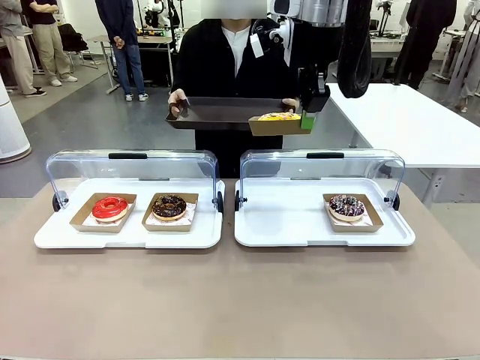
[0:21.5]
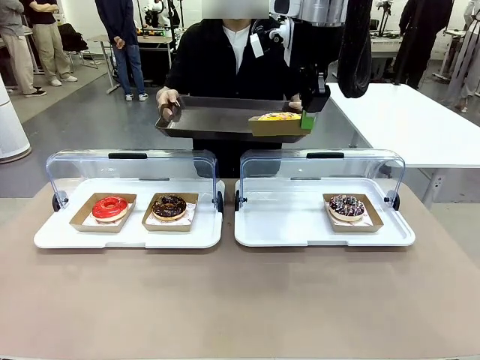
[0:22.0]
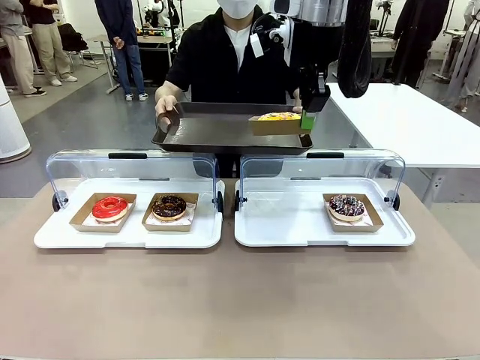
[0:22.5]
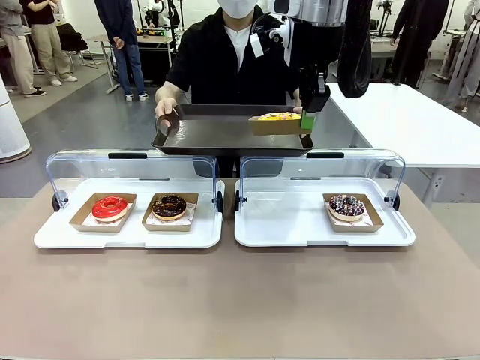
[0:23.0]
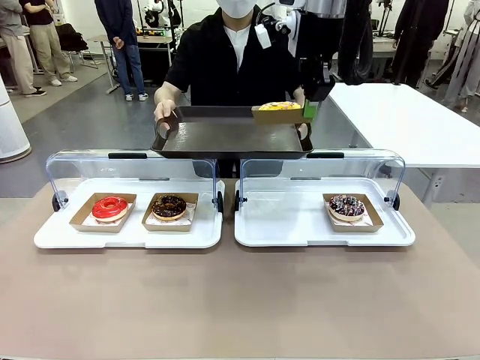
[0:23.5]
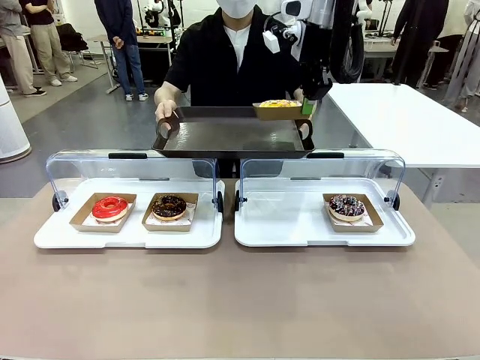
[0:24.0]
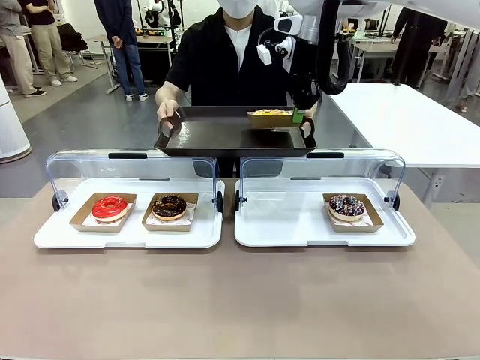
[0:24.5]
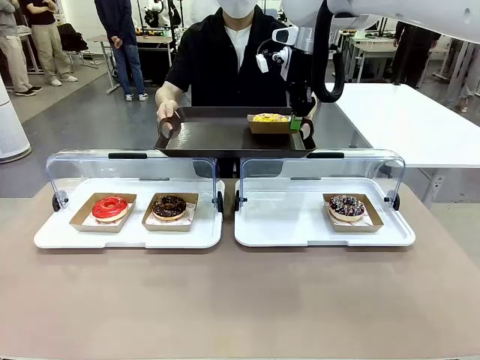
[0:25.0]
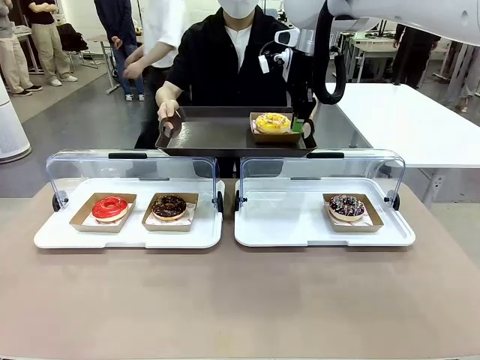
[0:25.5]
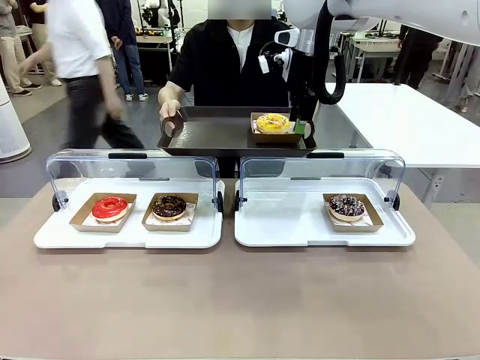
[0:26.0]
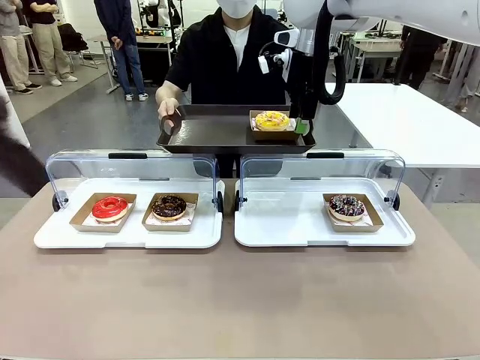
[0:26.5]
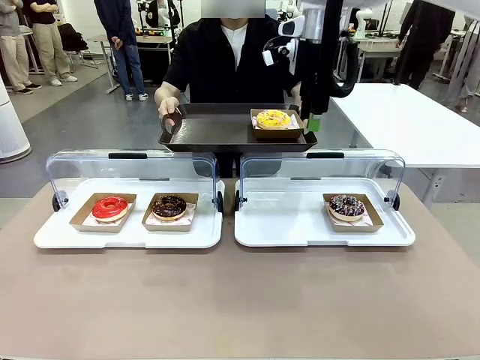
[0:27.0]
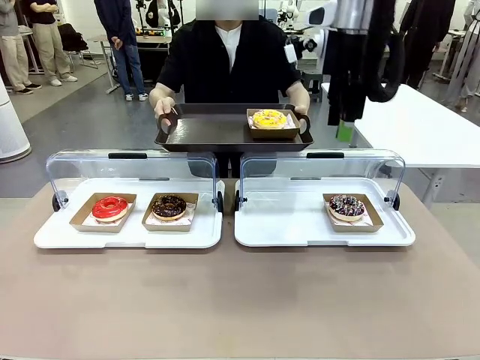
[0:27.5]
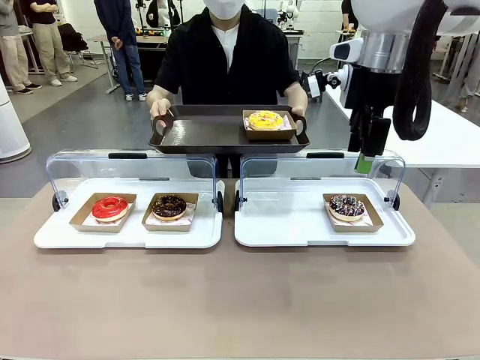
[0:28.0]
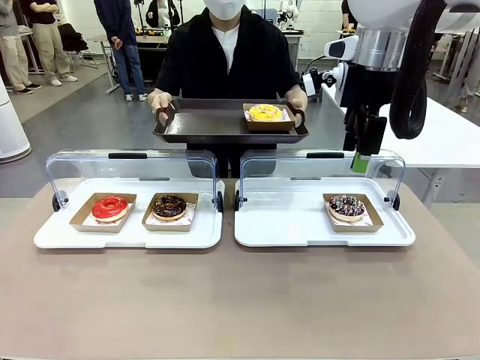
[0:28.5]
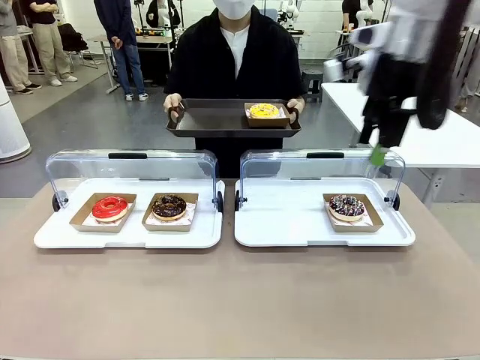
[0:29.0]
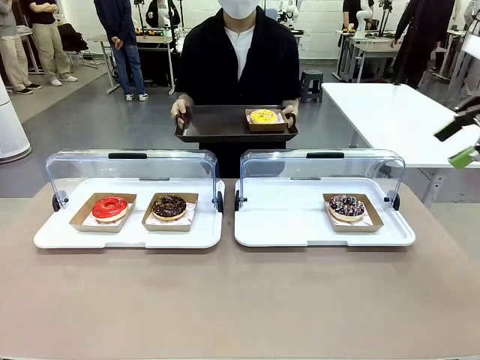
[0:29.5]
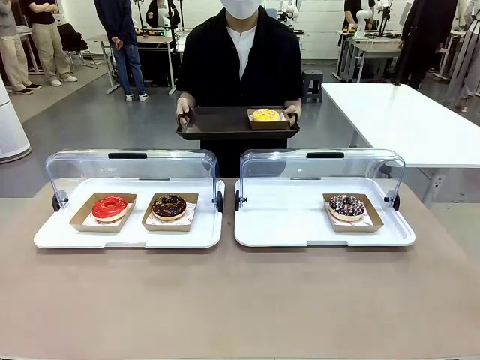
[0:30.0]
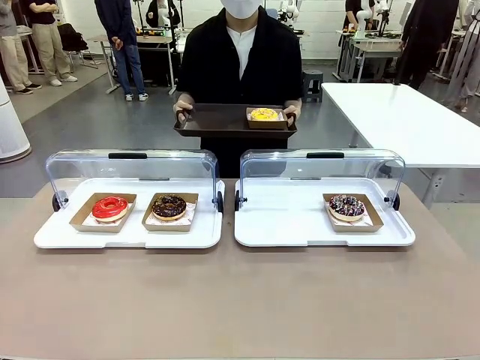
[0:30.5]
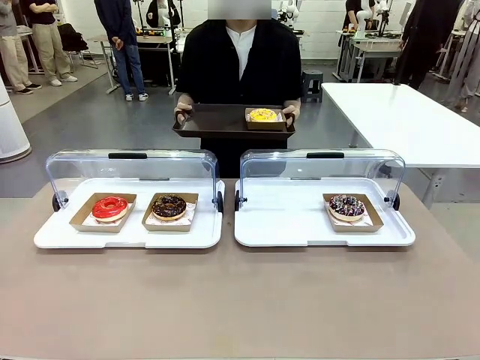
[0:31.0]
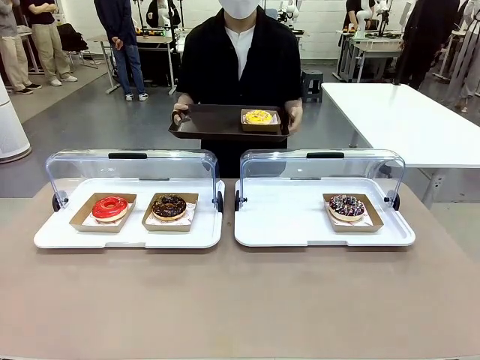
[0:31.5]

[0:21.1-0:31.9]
Task: Provide the desired donut to the person.
Robot: Place the picked Paper togo box onto the Handle tray extended by the person.
Person: Point to one donut.

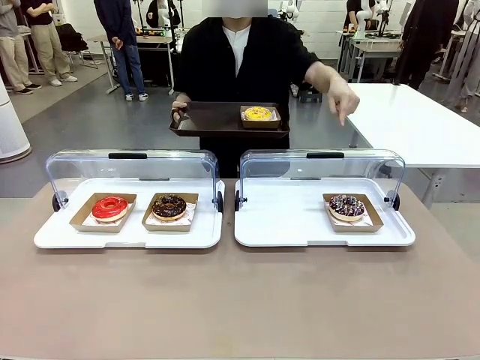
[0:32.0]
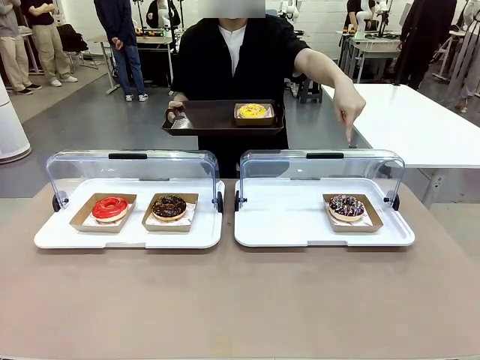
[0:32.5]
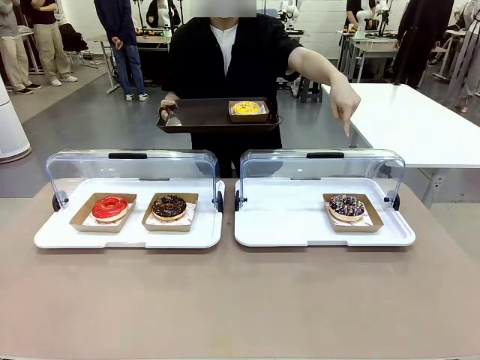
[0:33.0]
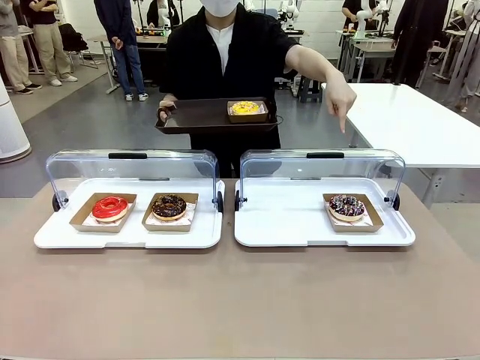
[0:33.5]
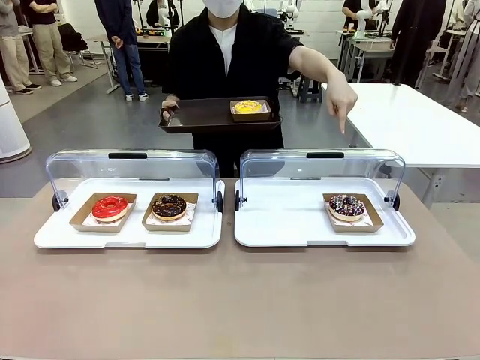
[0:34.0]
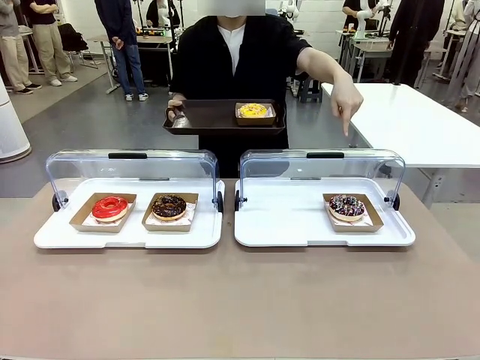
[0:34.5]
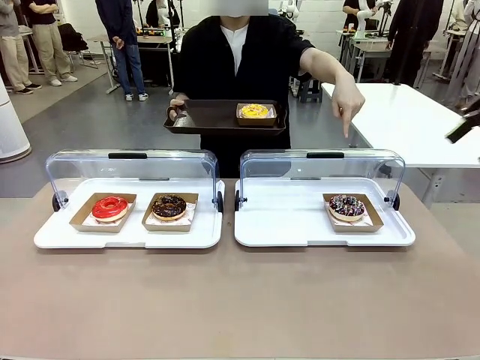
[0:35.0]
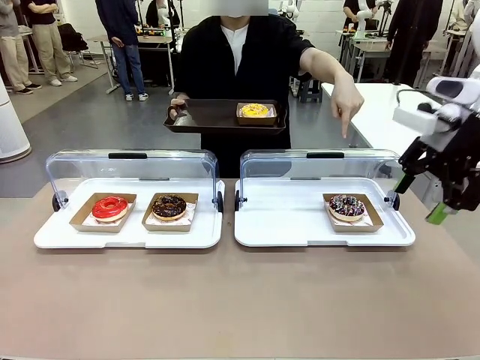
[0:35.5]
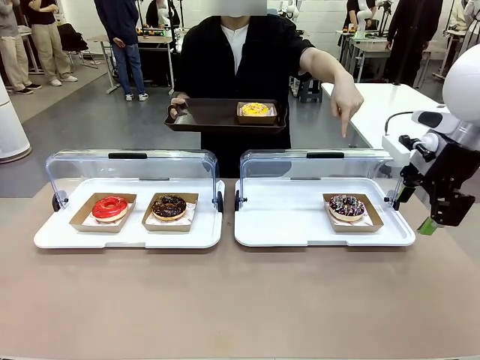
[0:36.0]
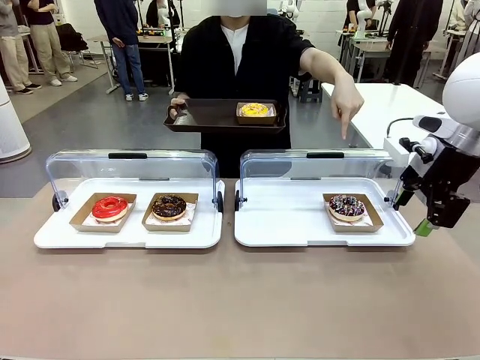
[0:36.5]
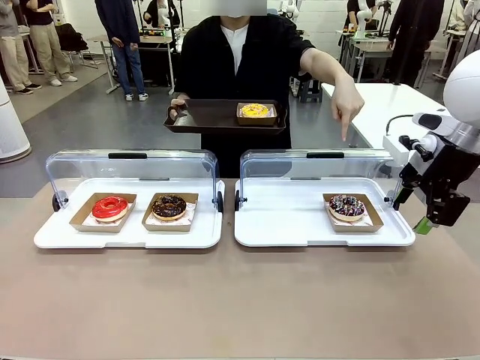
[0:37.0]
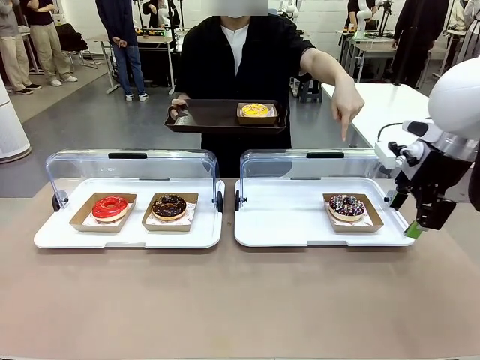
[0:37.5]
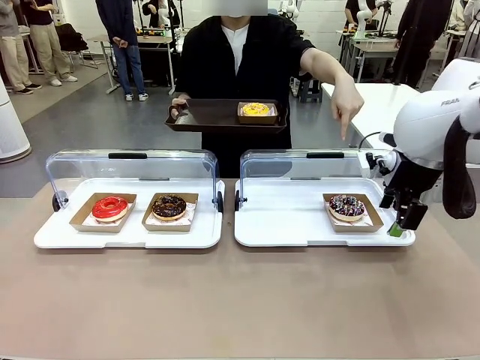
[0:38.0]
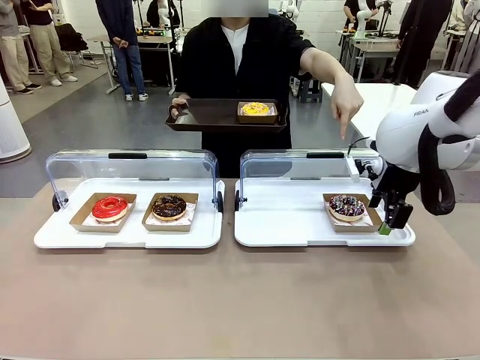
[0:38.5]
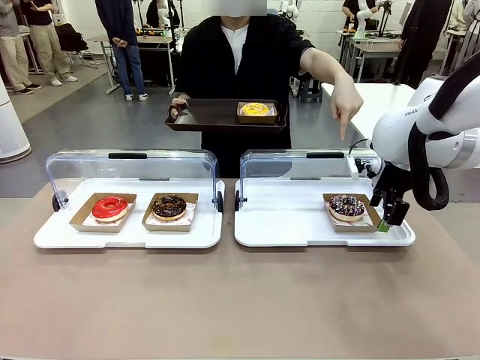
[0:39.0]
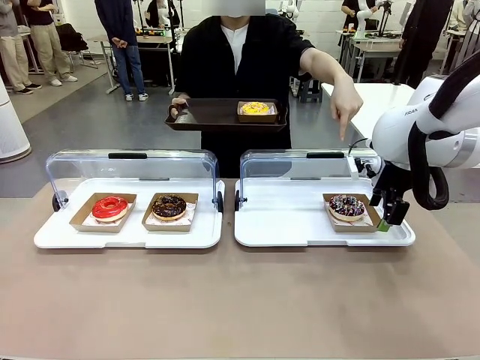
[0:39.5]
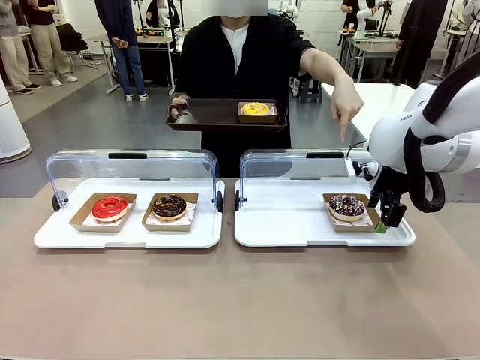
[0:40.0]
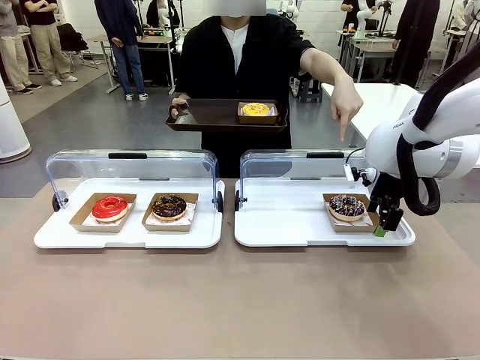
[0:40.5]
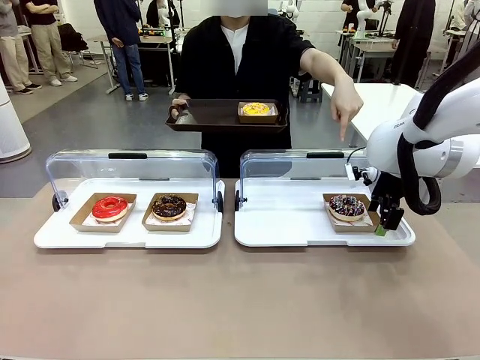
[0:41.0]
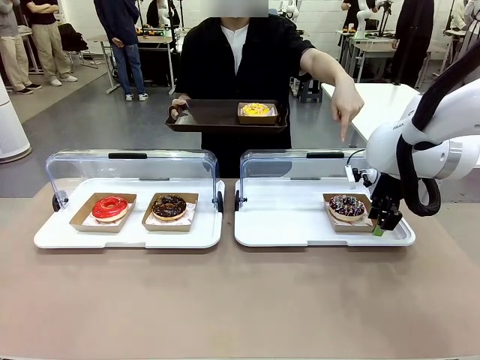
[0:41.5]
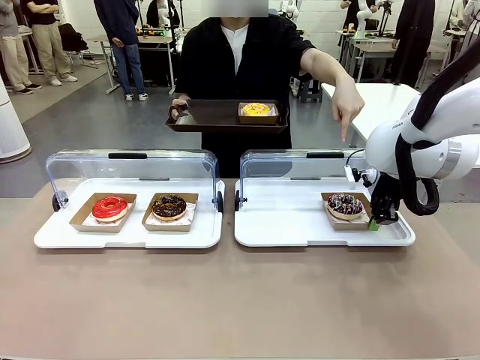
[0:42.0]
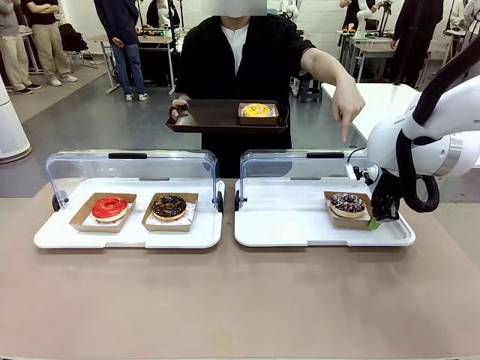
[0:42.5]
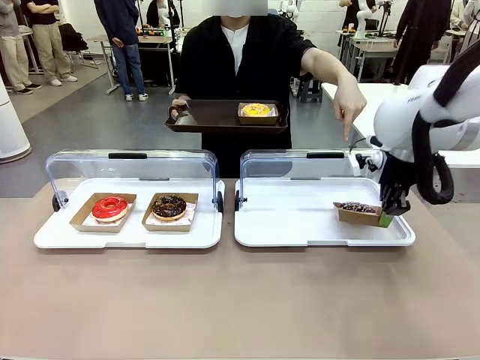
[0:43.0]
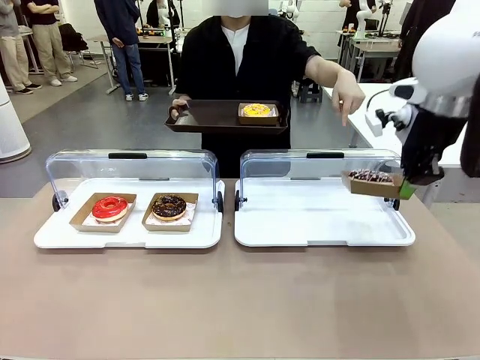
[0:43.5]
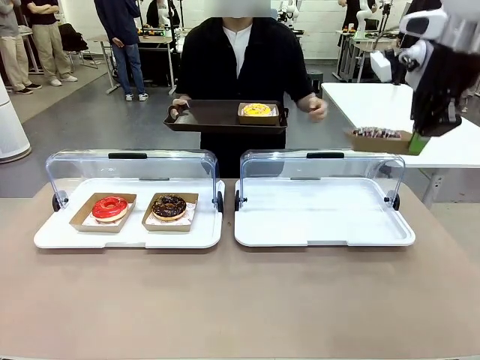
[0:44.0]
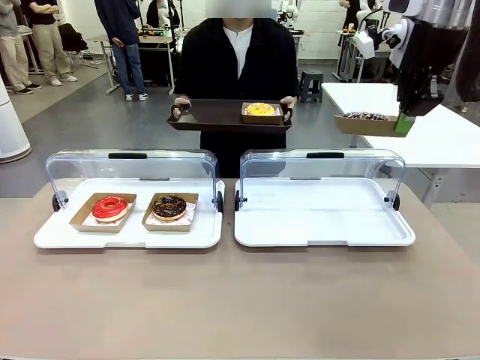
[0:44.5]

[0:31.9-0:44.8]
Robot: Pick up and lift the Paper togo box containing the Donut pointed at by the person.
Person: Lift the tray onto the Roll-Top Bakery Case.

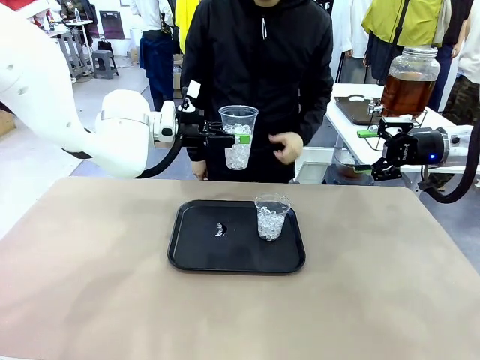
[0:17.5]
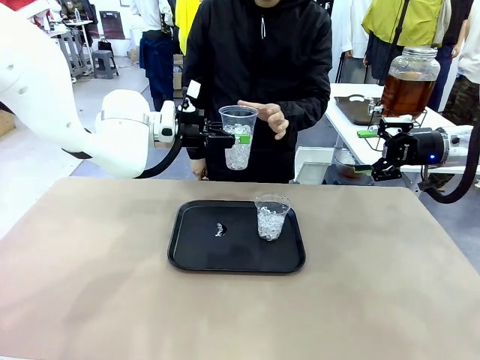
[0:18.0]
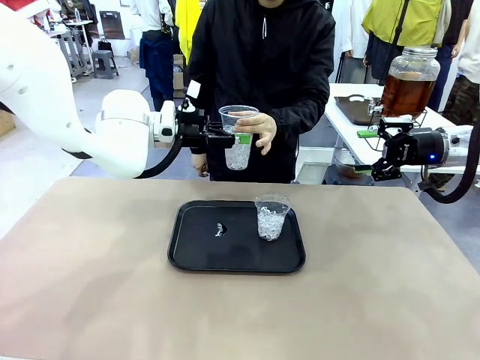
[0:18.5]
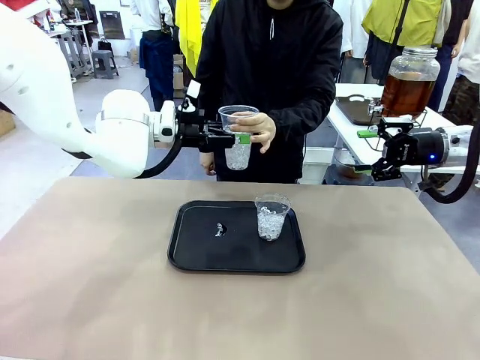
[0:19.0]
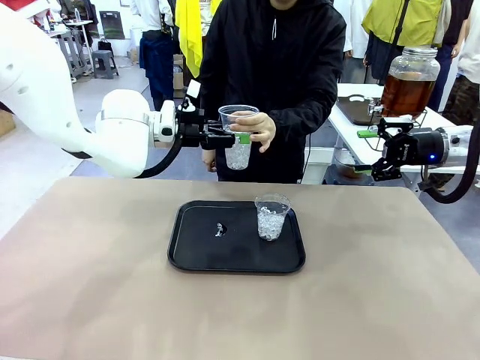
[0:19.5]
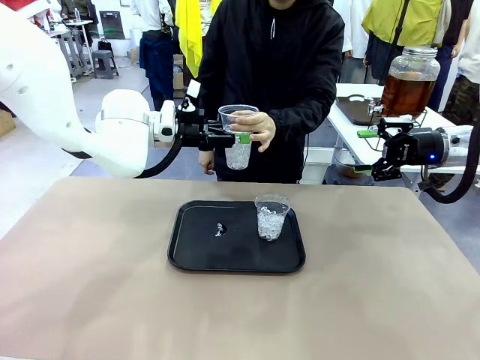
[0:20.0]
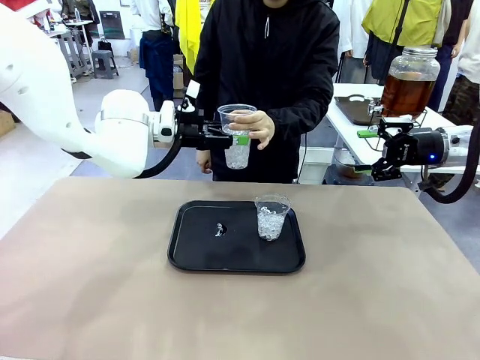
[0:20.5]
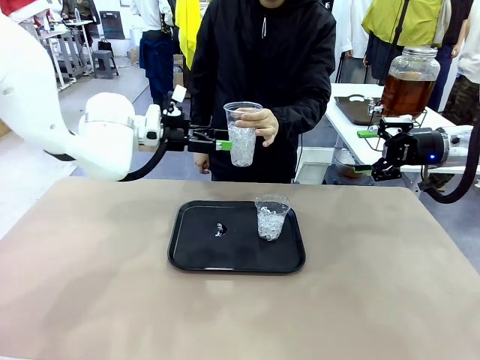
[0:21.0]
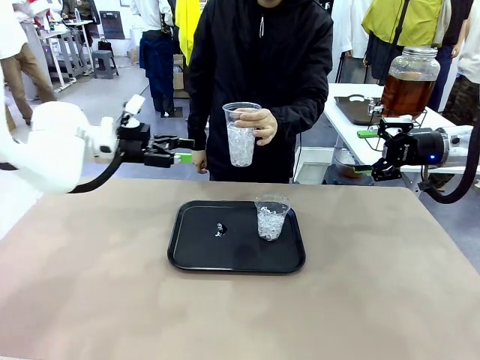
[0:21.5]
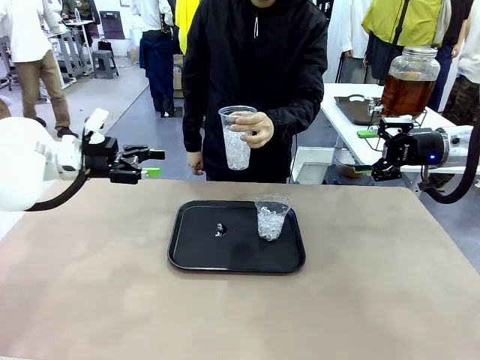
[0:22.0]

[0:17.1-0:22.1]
Task: Pour the drink into the iced cup.
Robot: Open the gripper to release the iced cup you were holding.
